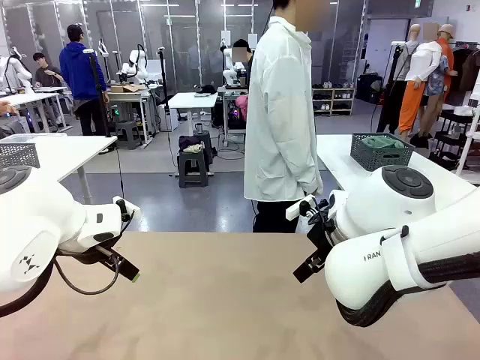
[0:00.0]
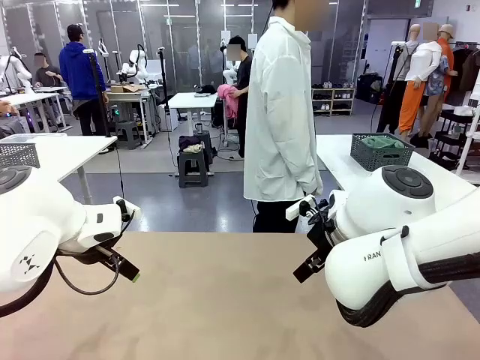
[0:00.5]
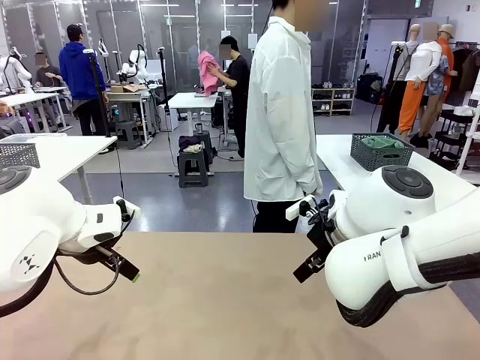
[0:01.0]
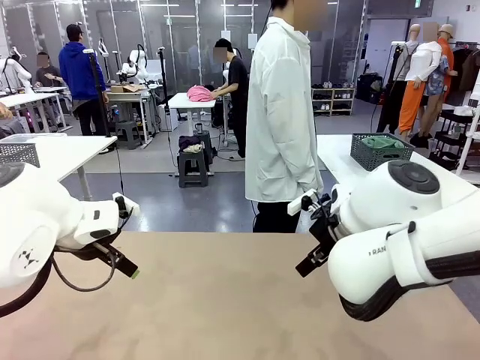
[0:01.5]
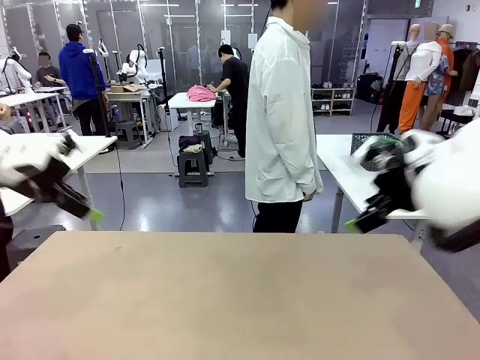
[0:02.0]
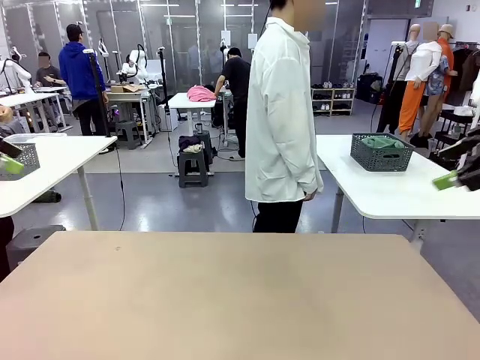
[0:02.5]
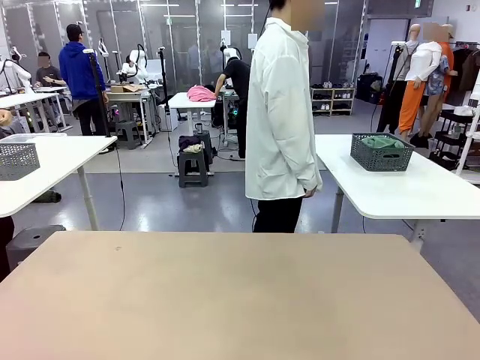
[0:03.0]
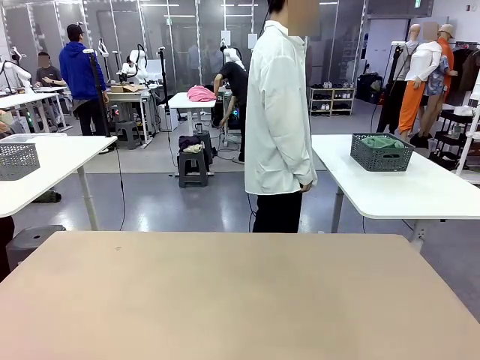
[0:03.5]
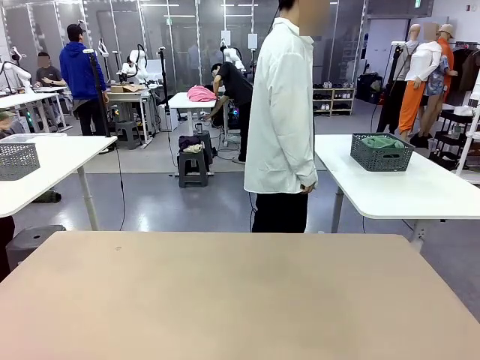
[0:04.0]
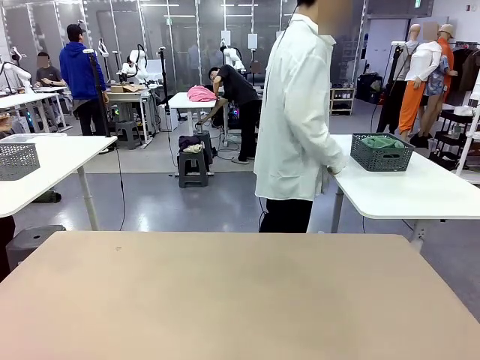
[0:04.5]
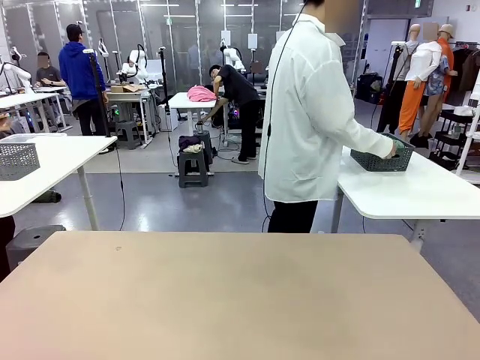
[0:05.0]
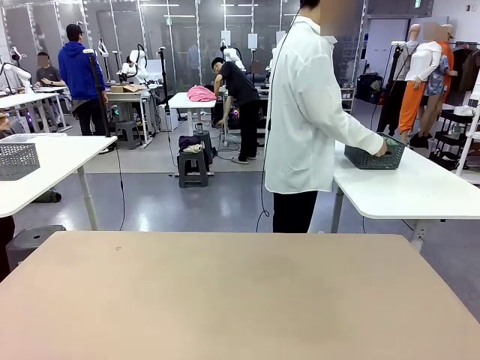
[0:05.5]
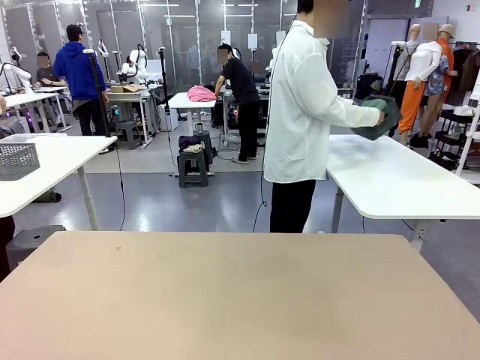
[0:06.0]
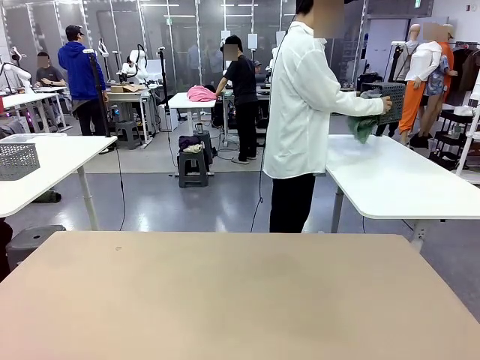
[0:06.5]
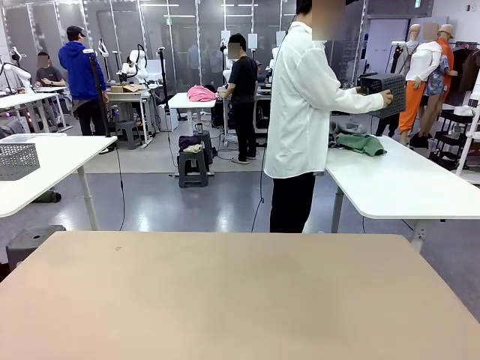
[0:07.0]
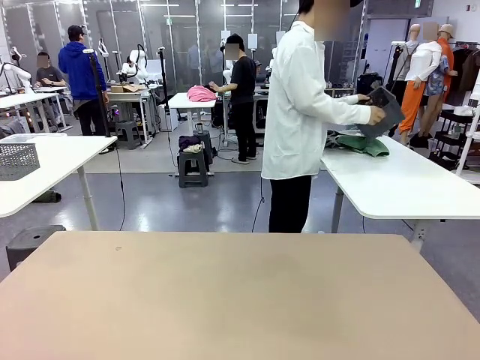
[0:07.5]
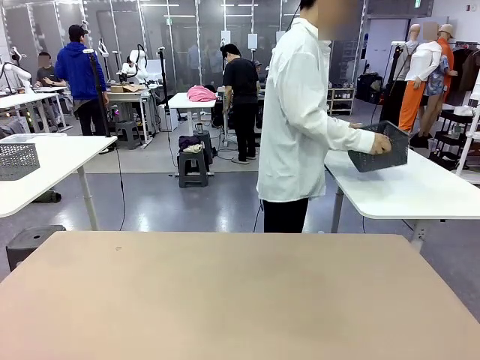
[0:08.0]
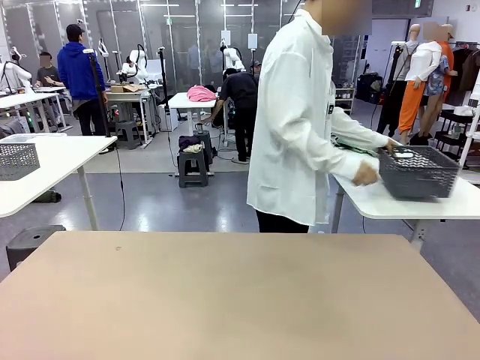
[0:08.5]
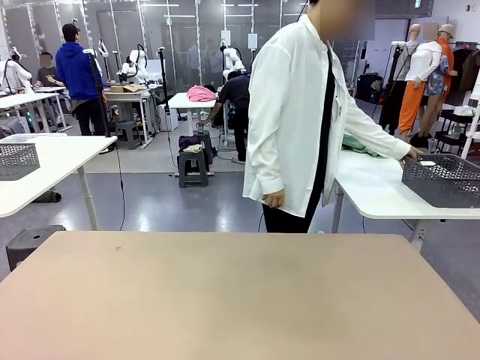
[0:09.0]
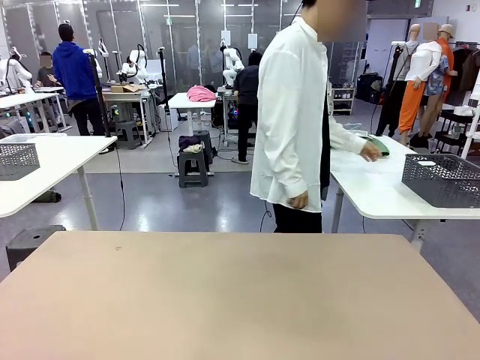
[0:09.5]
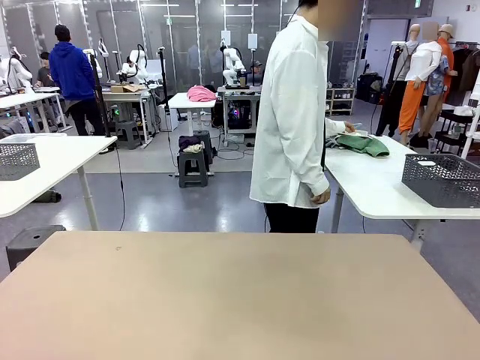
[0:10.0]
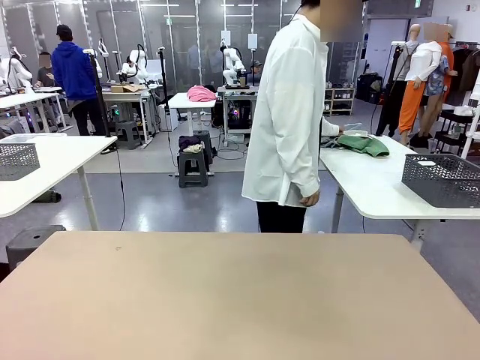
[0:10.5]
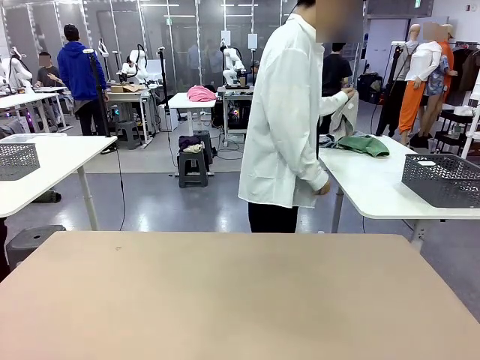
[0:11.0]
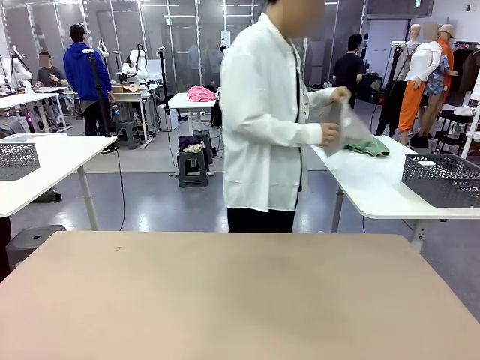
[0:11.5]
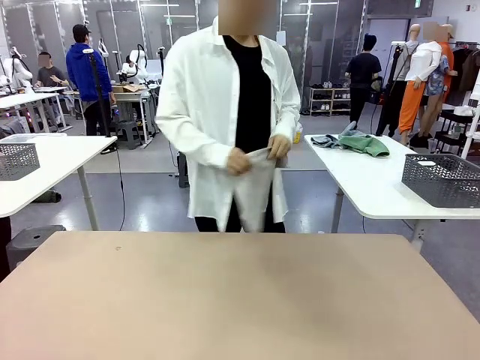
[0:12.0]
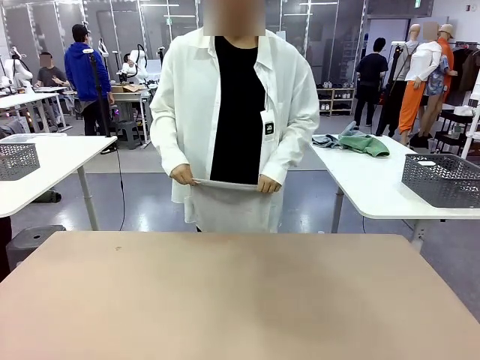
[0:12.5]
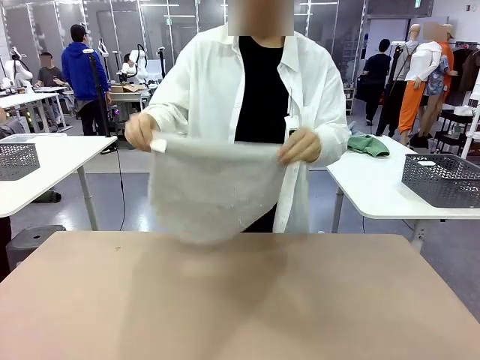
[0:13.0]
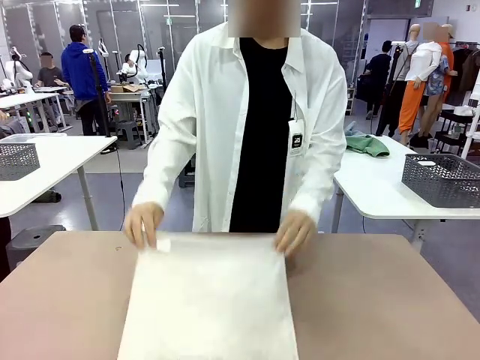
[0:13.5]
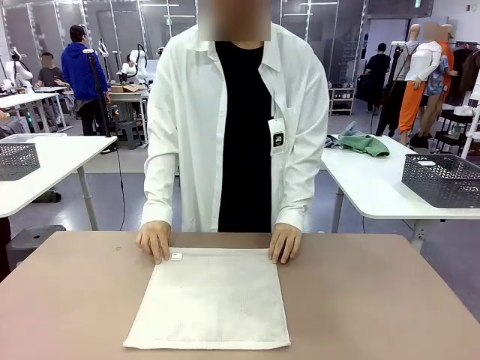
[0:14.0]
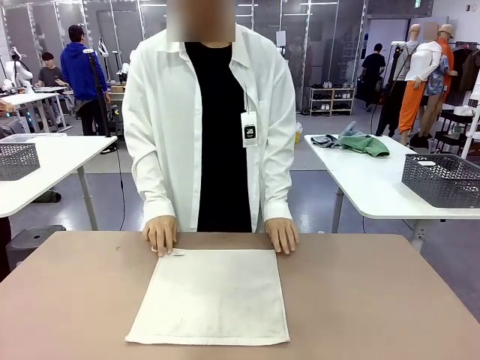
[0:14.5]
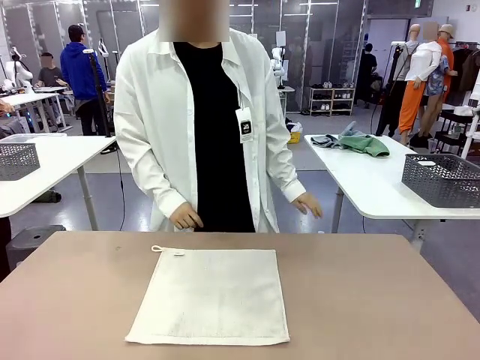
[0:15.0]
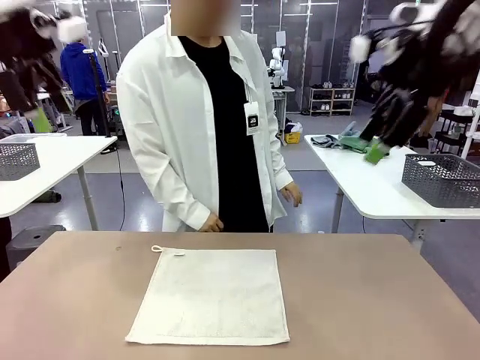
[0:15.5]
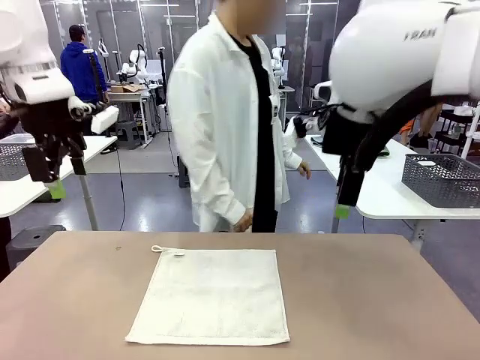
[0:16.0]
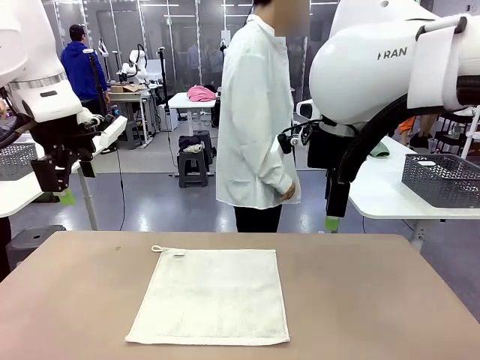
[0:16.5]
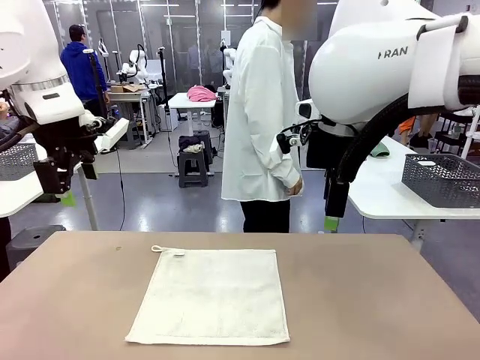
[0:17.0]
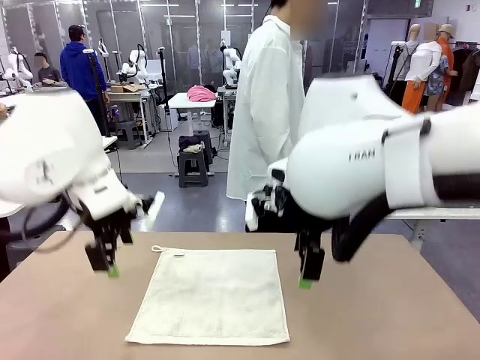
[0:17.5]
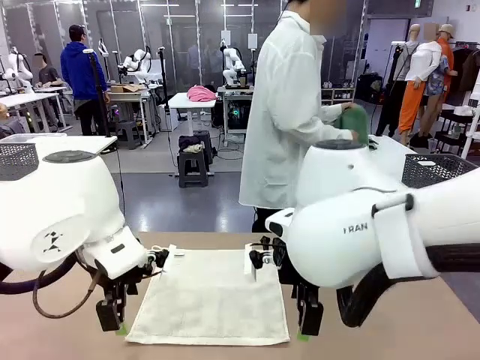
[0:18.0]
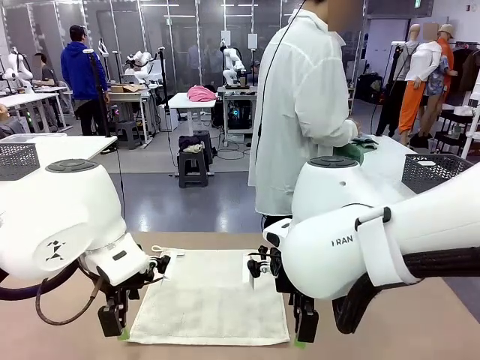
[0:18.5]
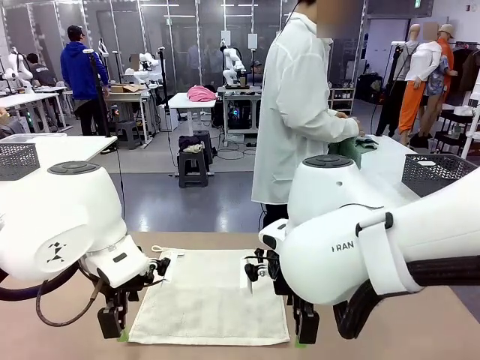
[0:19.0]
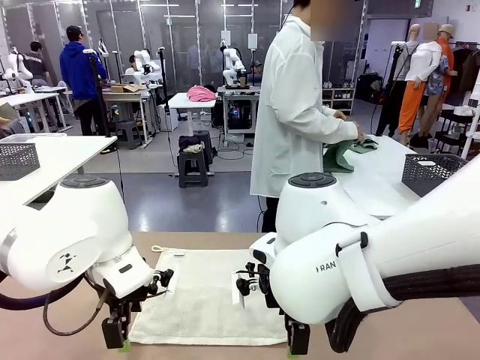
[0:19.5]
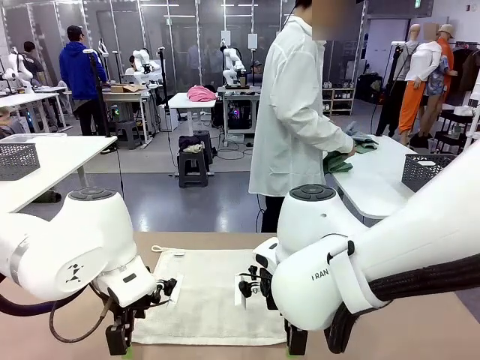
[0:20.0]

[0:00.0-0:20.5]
Task: Fold the towels and place them in the basket.
Robot: When a person lays out a Towel with hook on the table, fold it in half twice.
Person: Pick up the basket, pour the towels onto the left side of the human table, and place the basket on the right side. Pick up one towel and spread it out at the center of the robot table.

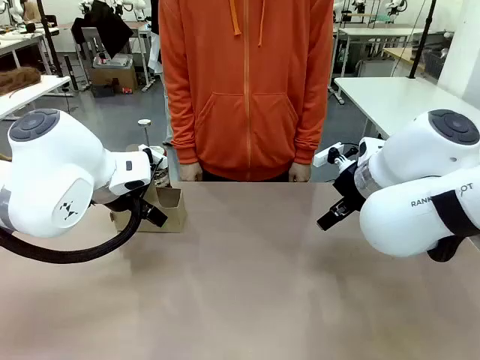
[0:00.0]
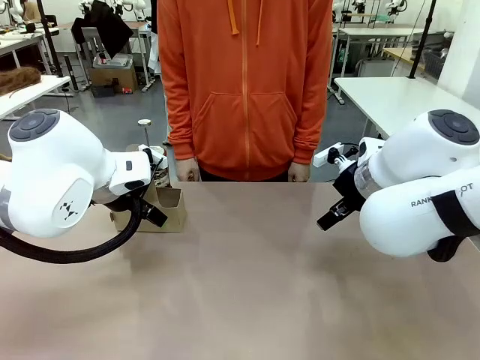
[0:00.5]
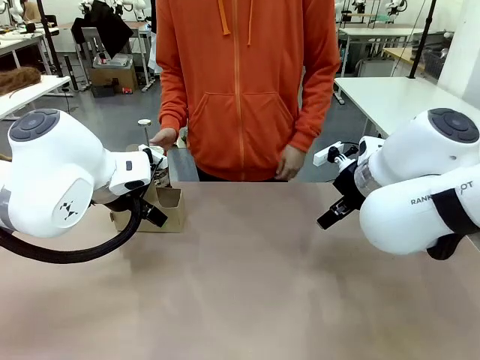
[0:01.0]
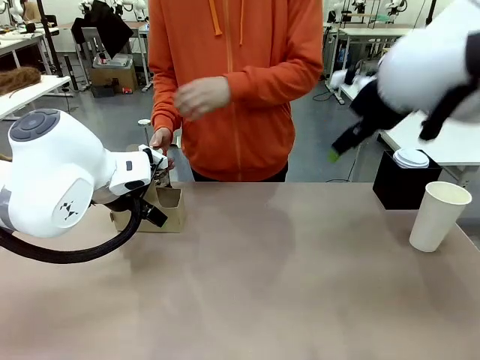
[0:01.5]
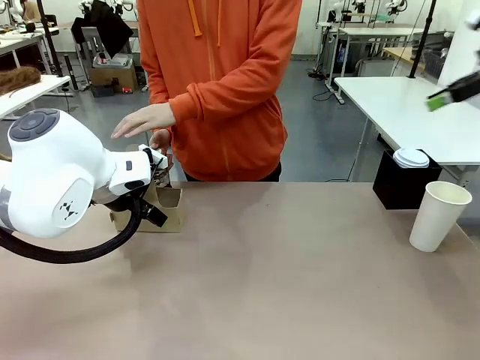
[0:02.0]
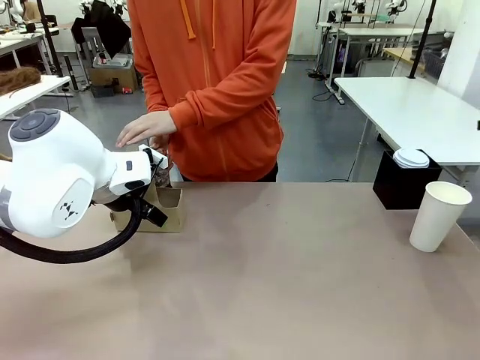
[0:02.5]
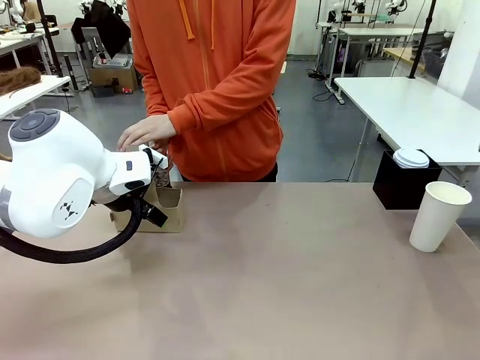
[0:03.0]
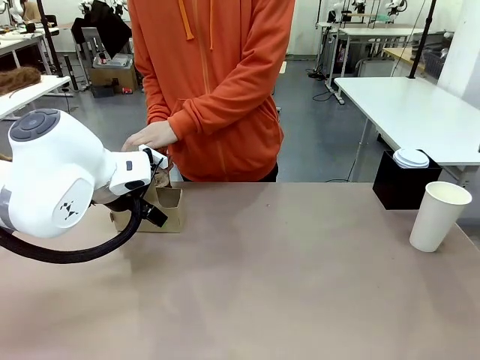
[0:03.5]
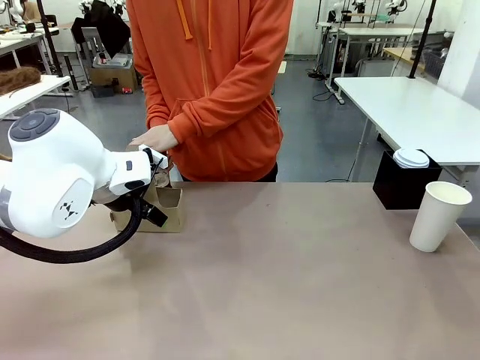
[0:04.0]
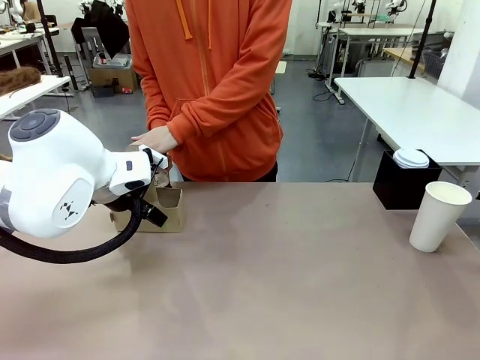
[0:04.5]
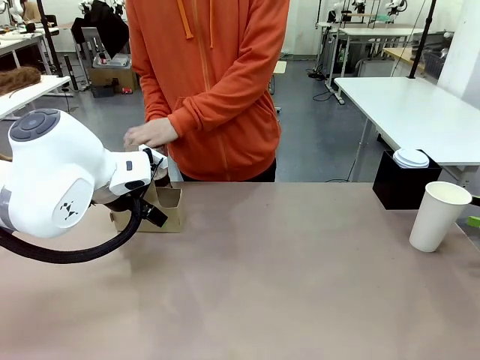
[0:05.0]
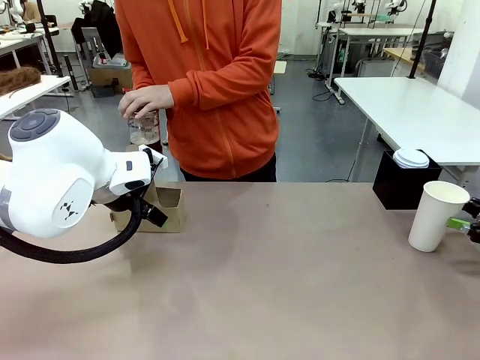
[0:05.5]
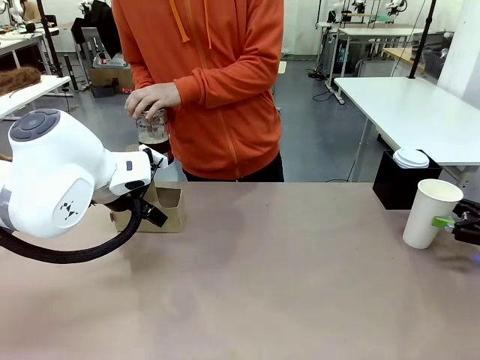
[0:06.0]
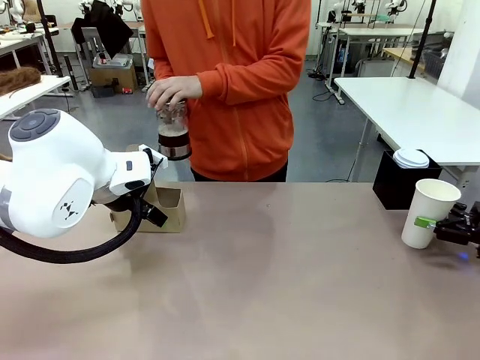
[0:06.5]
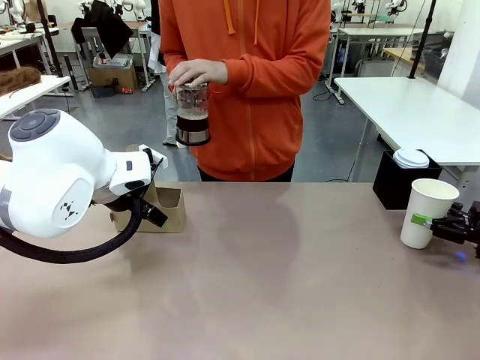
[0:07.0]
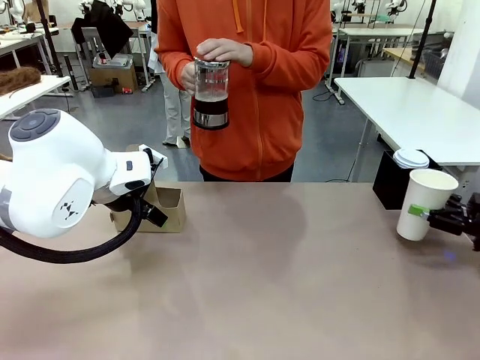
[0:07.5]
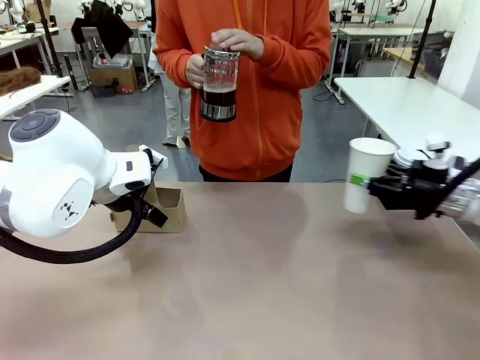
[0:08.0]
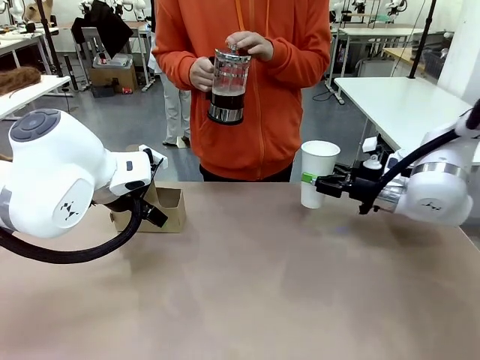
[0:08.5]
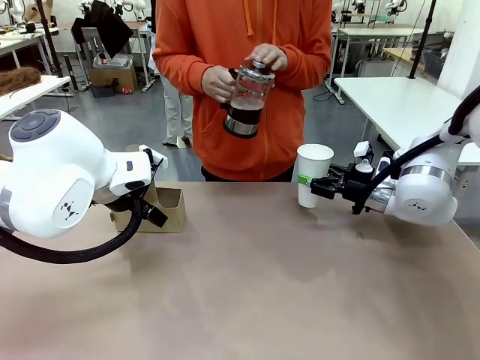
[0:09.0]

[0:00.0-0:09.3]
Task: Pour a drink into a cup and package it in a carrier.
Robot: Pick up the 600 ml Paper Cup and place it in the middle top area of the table.
Person: Press and pick up the Filter Brewing.
